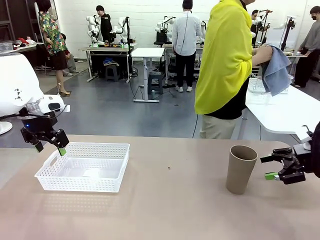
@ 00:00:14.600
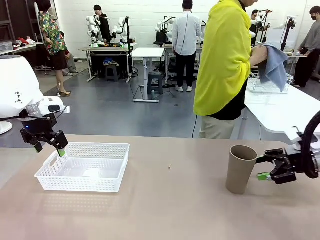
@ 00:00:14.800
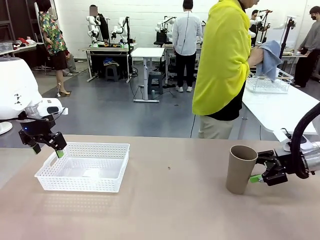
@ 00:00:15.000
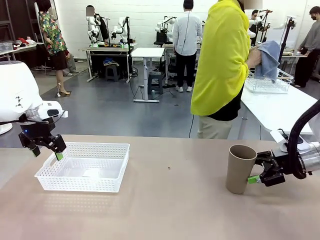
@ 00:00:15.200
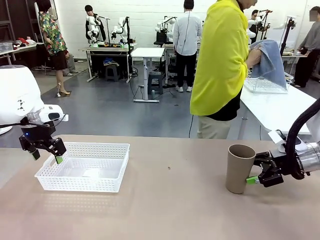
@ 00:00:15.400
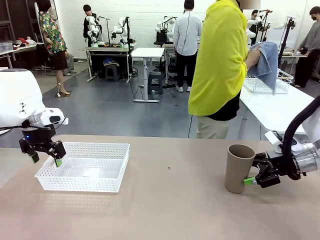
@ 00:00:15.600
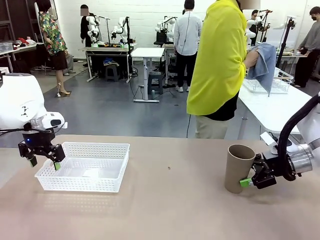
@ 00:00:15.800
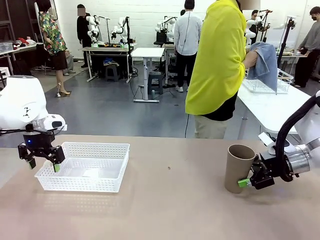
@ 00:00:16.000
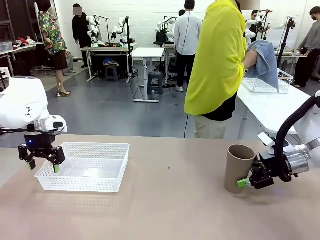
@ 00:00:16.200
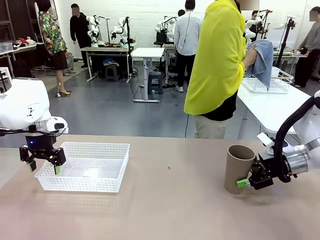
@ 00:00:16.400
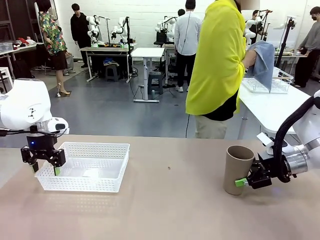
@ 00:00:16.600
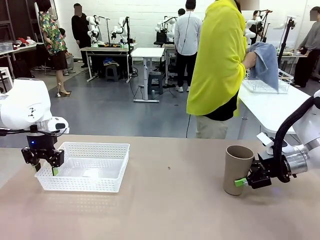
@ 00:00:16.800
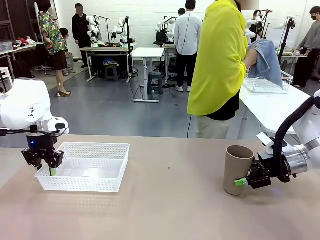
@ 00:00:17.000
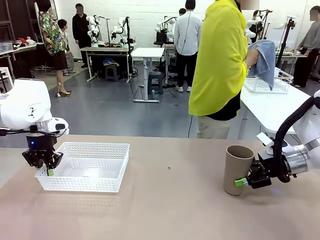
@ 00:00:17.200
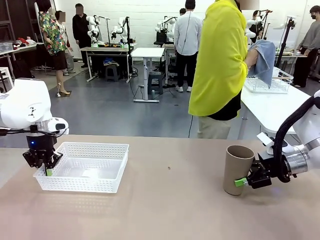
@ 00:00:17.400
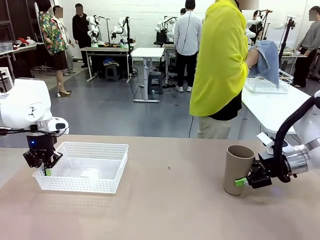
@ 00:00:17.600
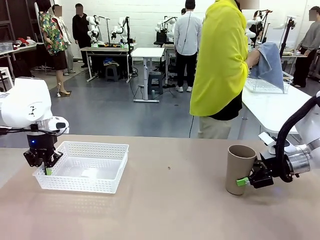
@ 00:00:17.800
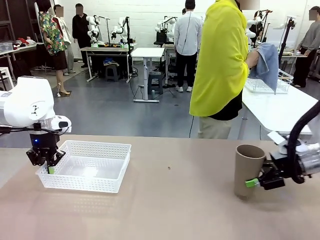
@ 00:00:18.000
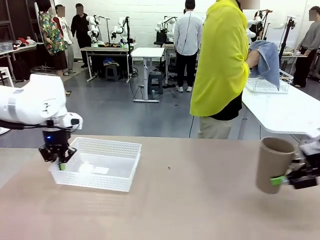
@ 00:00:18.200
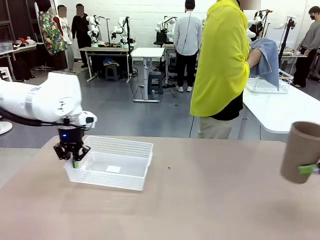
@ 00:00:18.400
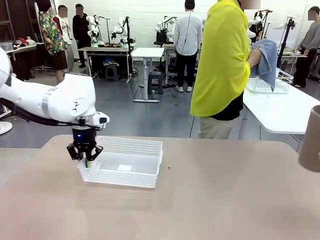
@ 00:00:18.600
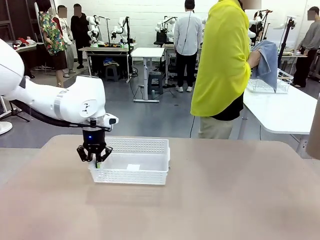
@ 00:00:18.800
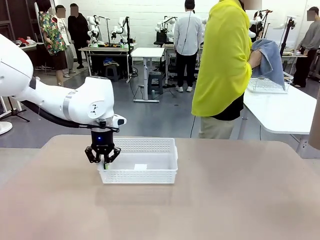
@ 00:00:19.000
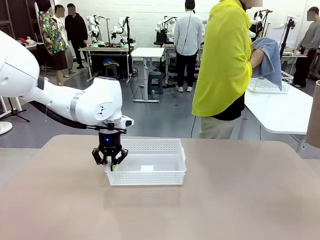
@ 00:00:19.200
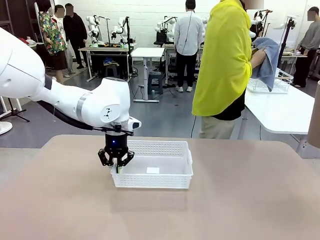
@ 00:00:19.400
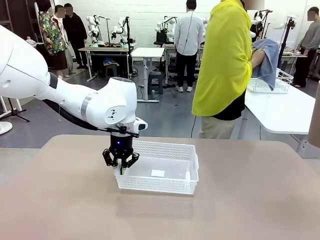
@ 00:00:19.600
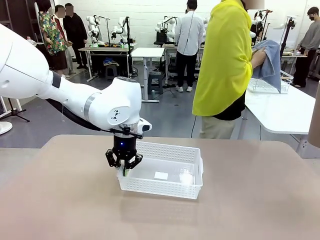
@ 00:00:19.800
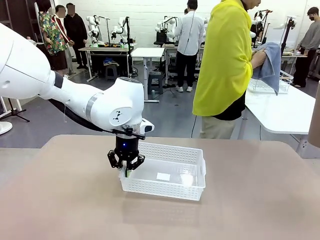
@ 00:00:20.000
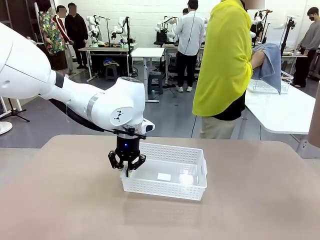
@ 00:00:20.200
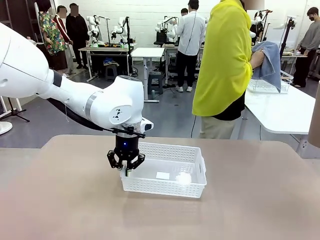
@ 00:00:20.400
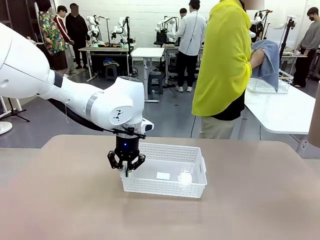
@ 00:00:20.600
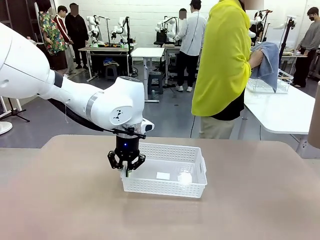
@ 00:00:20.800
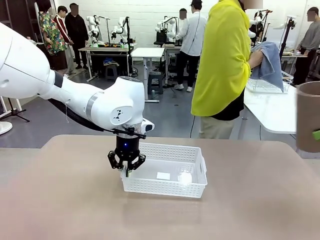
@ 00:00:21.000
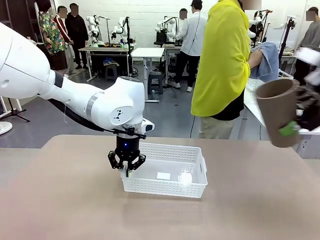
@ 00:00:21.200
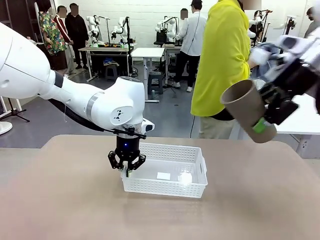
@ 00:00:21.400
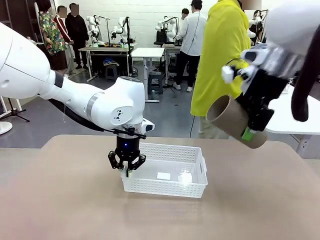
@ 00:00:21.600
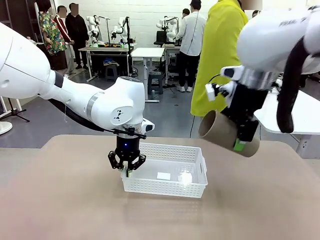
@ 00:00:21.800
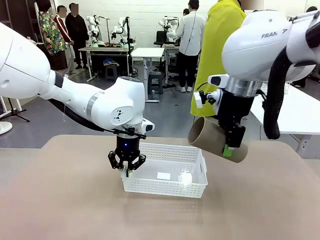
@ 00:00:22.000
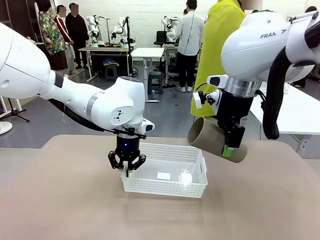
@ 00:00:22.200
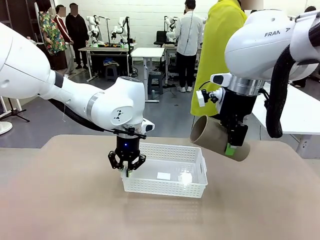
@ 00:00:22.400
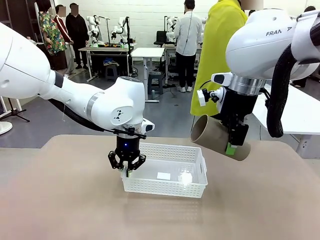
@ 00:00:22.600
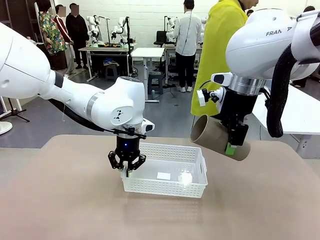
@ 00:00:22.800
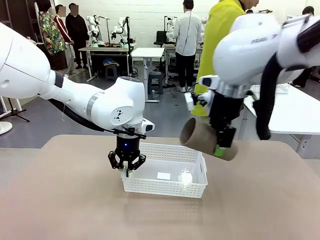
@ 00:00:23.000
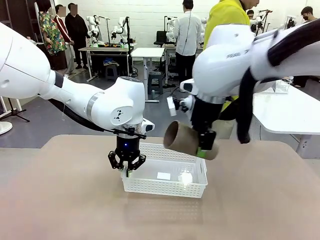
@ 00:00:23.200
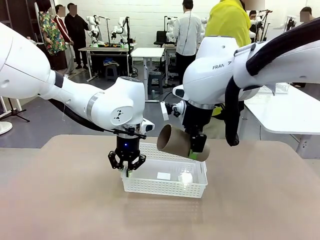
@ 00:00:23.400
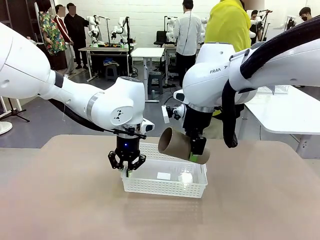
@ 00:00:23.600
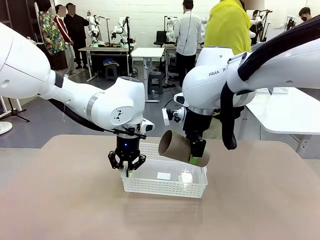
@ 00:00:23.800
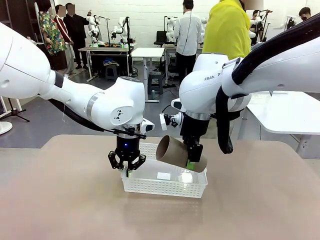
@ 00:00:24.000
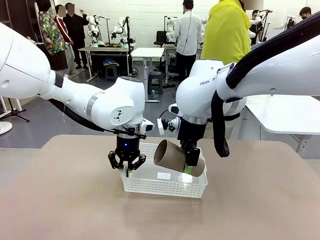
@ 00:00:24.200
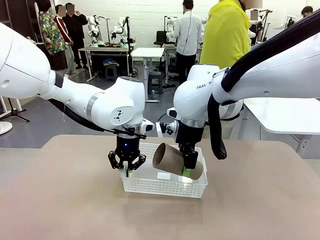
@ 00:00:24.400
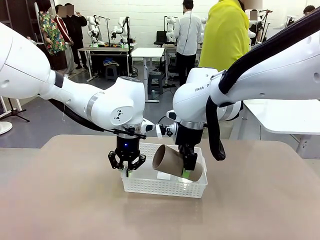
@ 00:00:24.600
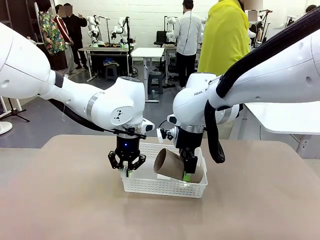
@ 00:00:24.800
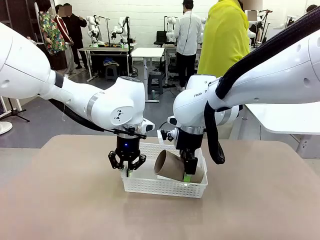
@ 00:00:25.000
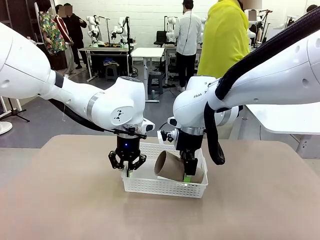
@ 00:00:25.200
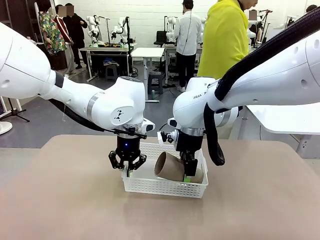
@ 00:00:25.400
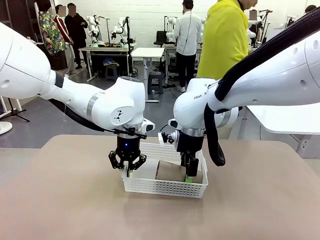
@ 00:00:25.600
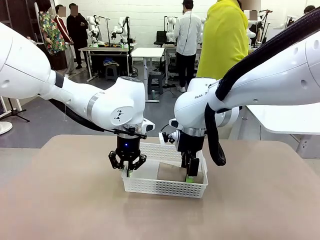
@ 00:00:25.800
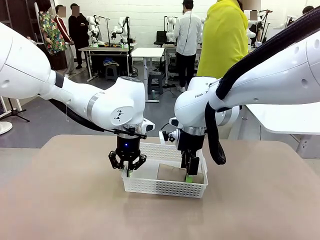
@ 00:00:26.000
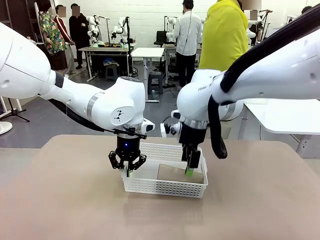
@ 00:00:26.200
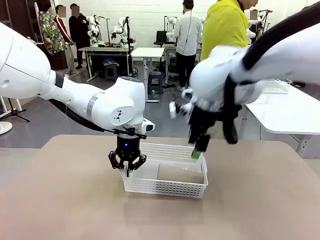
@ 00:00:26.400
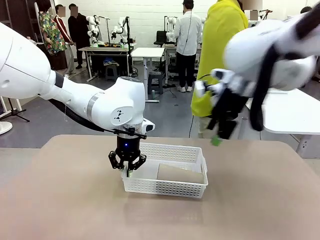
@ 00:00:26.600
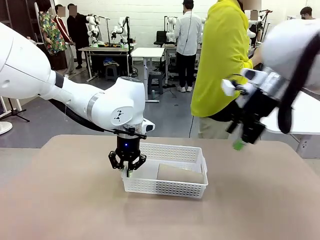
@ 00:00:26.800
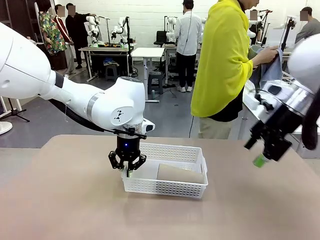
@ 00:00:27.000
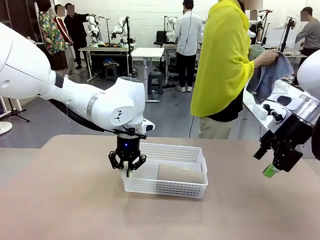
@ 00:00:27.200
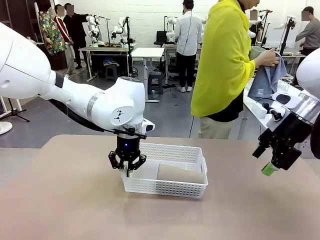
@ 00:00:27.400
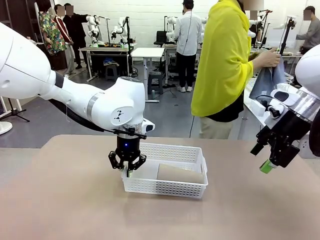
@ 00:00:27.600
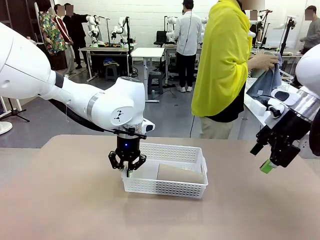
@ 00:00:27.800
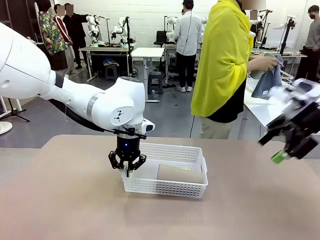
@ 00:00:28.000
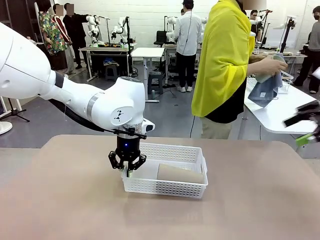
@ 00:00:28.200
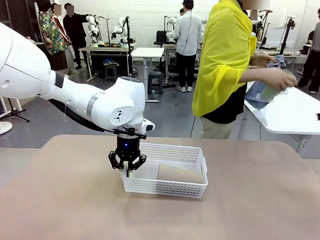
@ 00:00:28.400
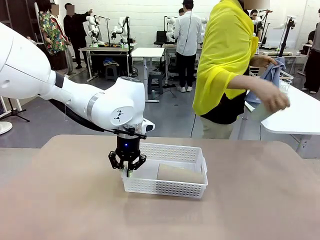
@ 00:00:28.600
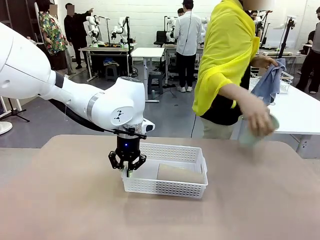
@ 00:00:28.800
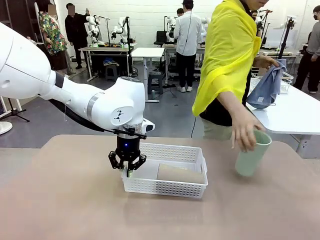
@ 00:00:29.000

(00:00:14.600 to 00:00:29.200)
Task: Clean and organize the cups into the basket.
Robot: Pick up the Organizing basket and move it to the center of the table, then pick up the Reusable plastic cup from the right side of the table and place it inside the Organizing basket.
